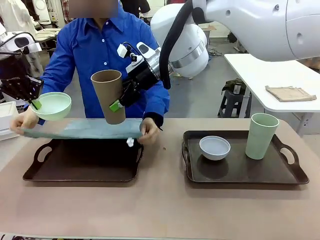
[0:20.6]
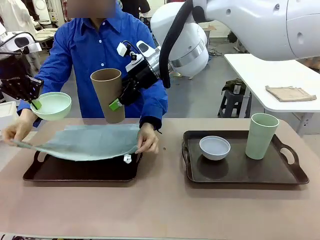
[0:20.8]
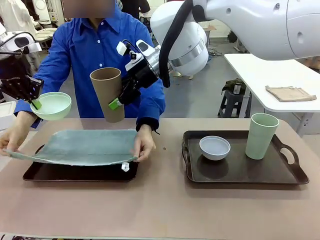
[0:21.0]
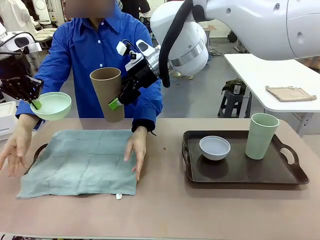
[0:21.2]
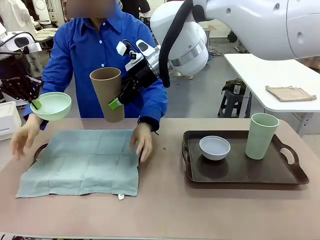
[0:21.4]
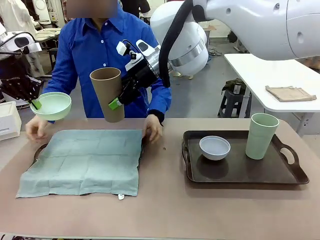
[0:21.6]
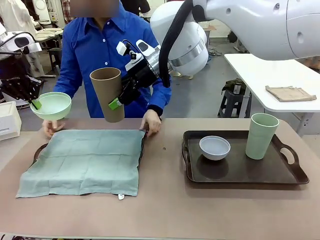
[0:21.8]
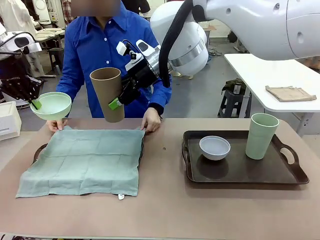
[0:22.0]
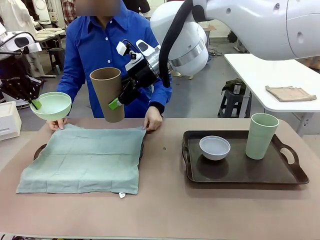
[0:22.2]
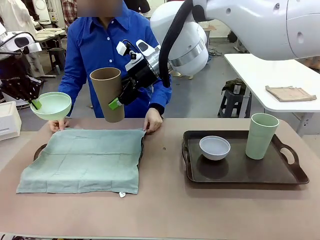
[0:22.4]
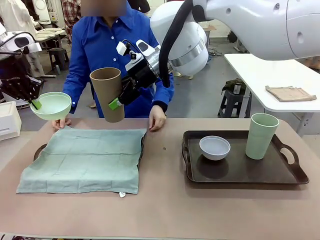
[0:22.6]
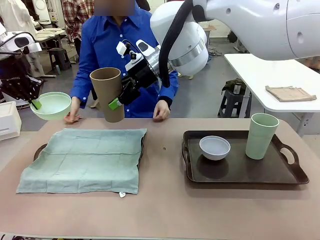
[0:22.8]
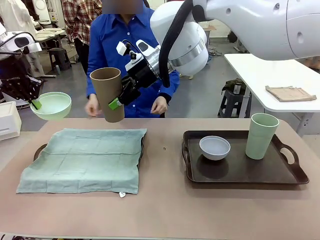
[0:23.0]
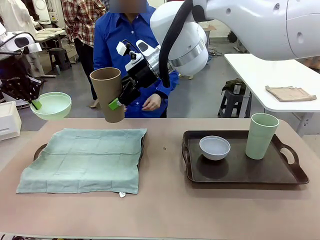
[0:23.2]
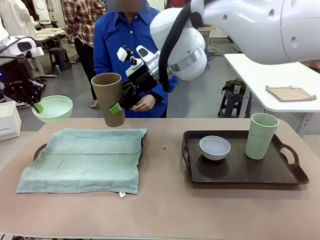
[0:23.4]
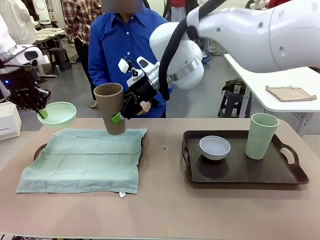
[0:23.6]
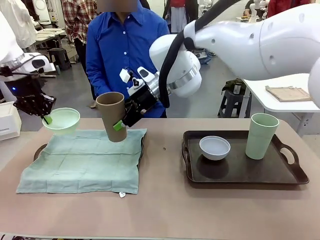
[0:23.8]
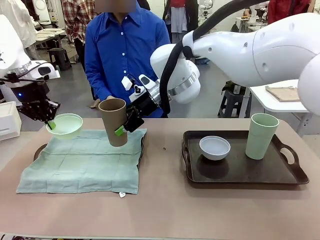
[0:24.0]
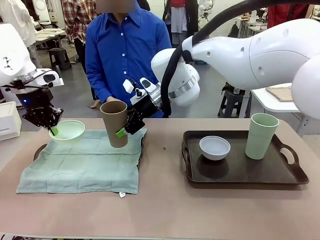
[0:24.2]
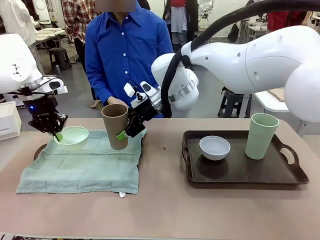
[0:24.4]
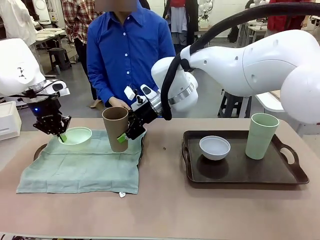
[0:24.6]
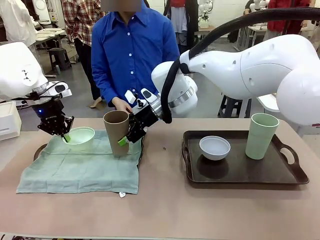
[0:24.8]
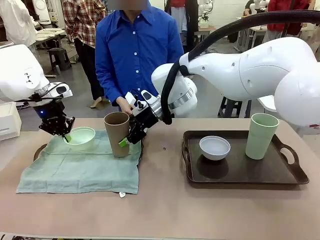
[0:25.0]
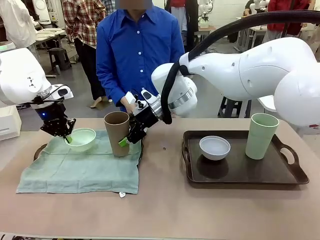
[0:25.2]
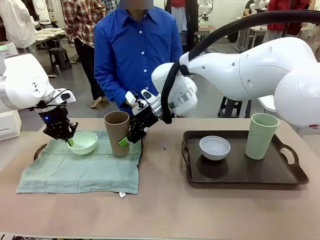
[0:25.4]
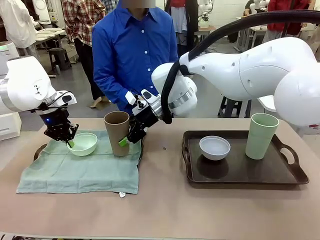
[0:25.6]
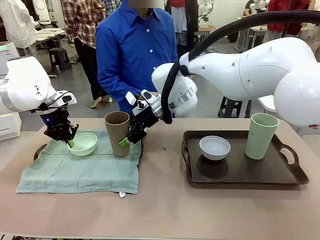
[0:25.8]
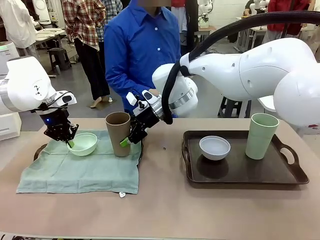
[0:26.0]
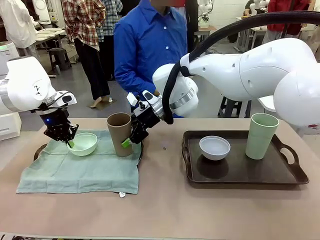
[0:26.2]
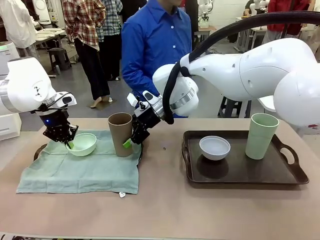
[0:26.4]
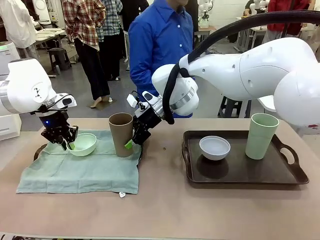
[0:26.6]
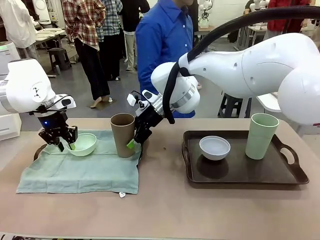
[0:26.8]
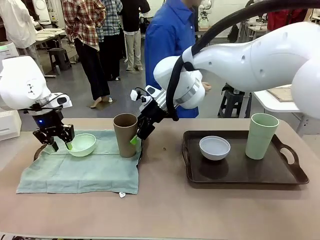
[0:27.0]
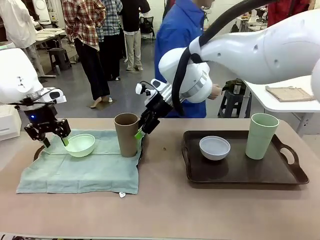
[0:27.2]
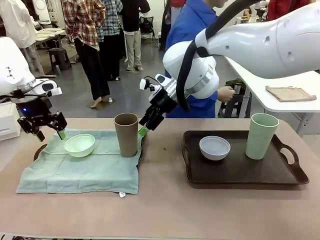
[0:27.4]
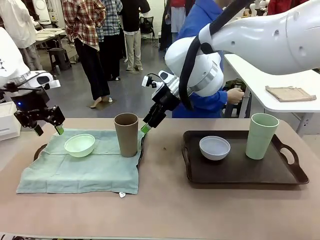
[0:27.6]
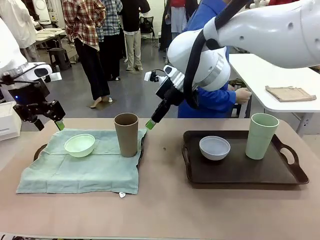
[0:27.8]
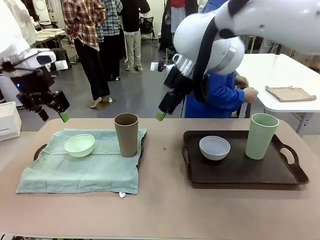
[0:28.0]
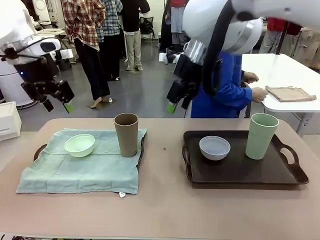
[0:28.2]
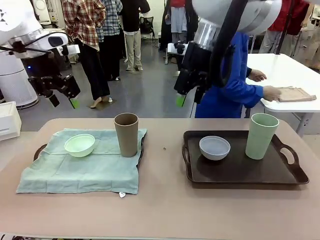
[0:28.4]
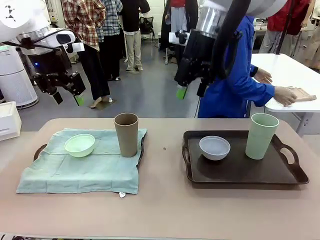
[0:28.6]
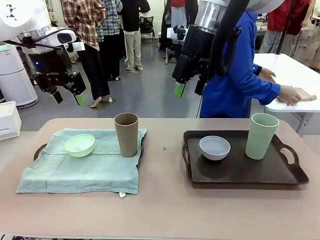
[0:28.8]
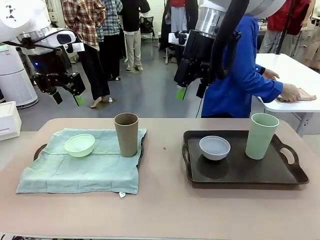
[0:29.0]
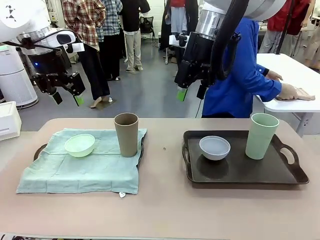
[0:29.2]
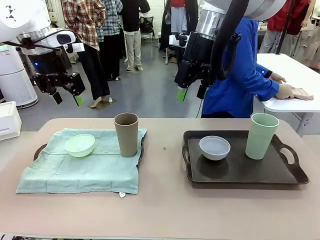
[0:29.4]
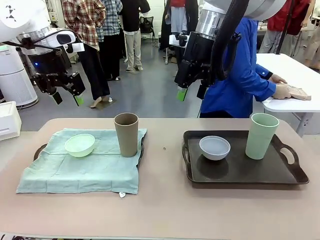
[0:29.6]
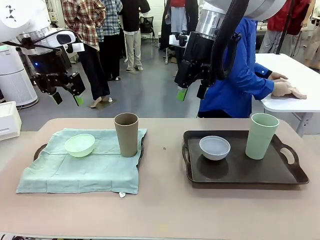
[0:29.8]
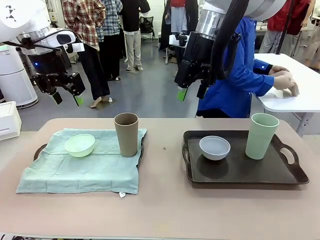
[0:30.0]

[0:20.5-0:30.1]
Robot: Place the Picnic Bowl and Reusable plastic cup back onto the Handle tray in front of the human's position.
Person: The human returns to the human table to pick up another napkin and walks to the robot table to stand in front of the tray without a napkin.
